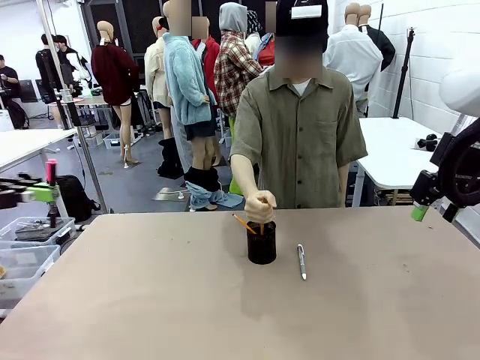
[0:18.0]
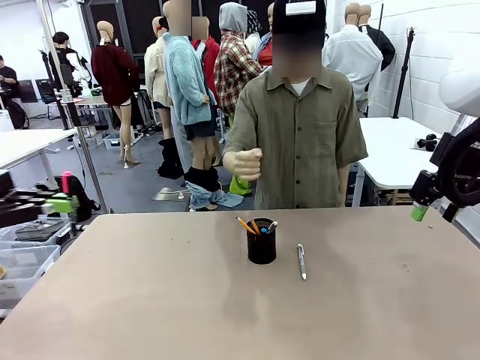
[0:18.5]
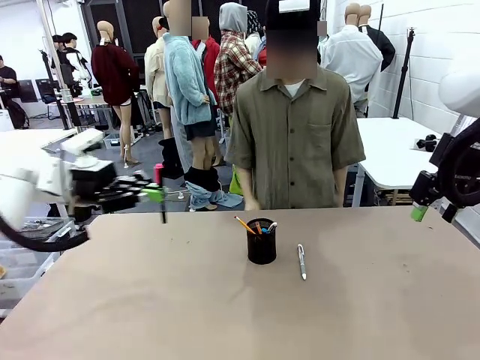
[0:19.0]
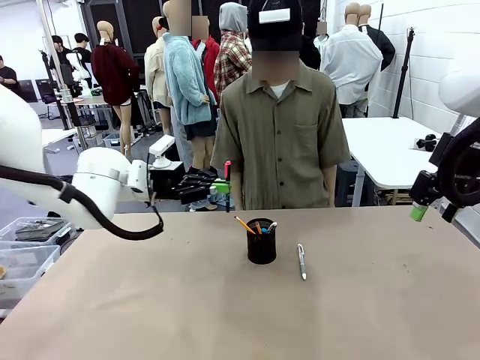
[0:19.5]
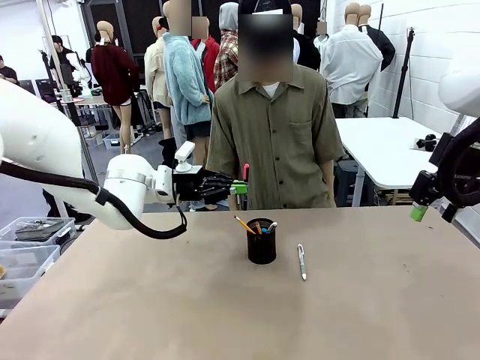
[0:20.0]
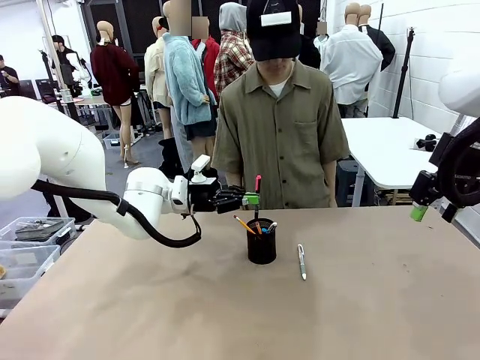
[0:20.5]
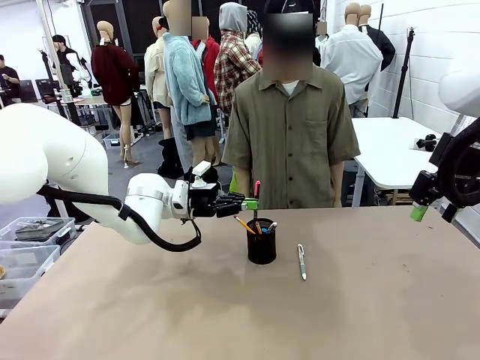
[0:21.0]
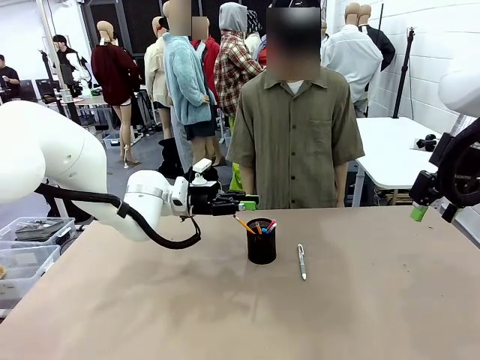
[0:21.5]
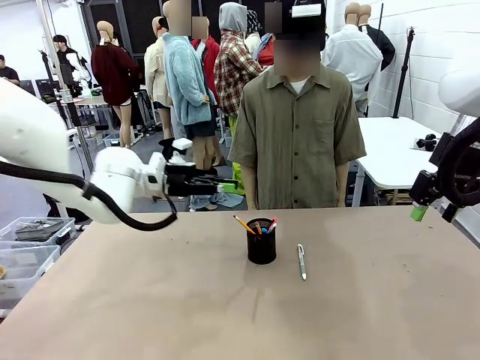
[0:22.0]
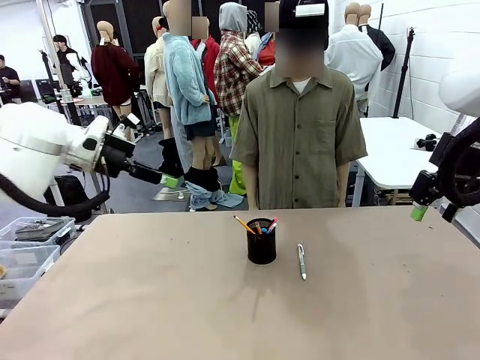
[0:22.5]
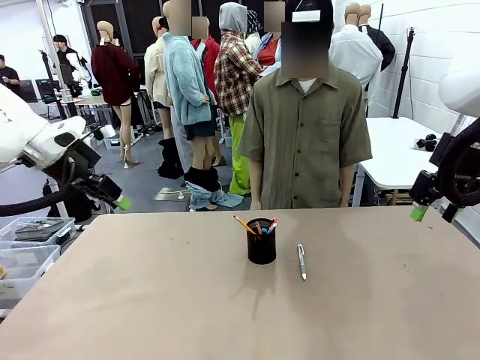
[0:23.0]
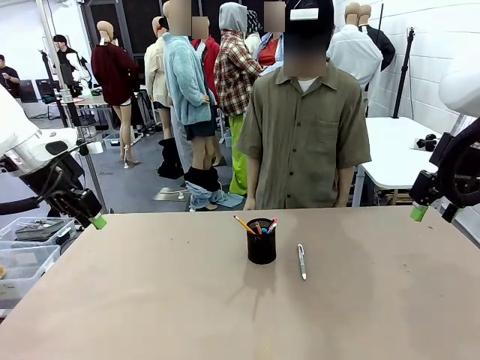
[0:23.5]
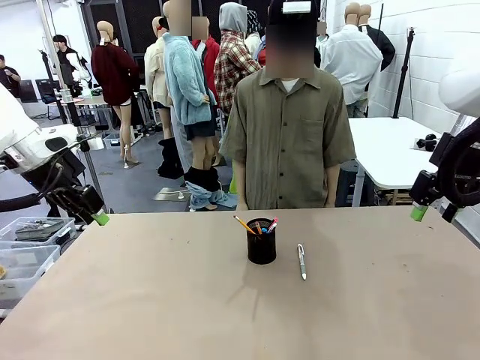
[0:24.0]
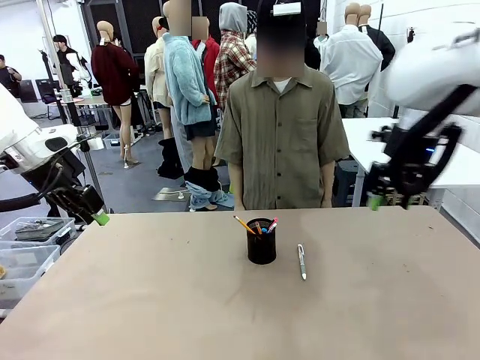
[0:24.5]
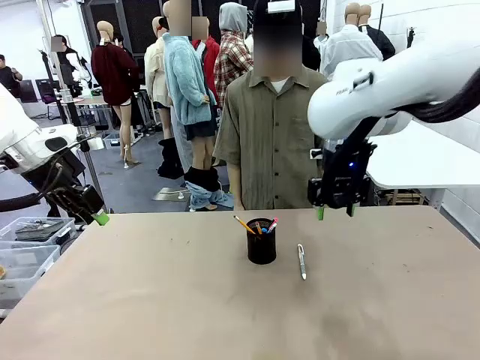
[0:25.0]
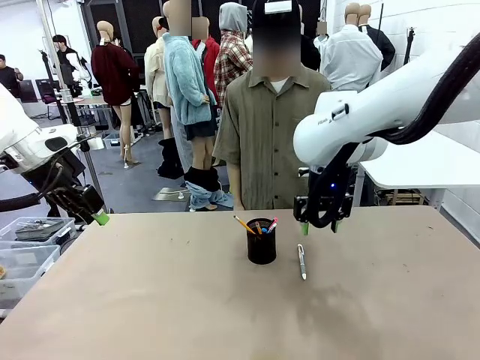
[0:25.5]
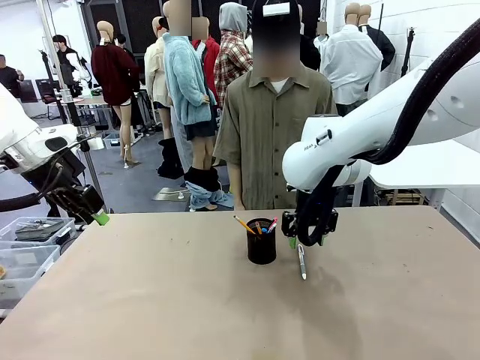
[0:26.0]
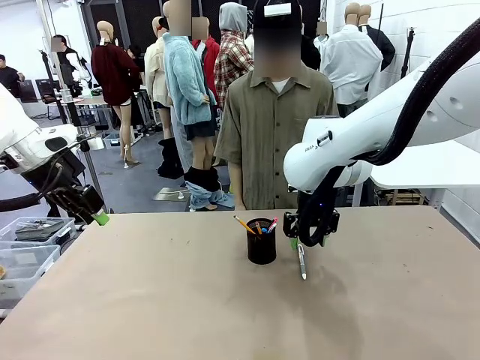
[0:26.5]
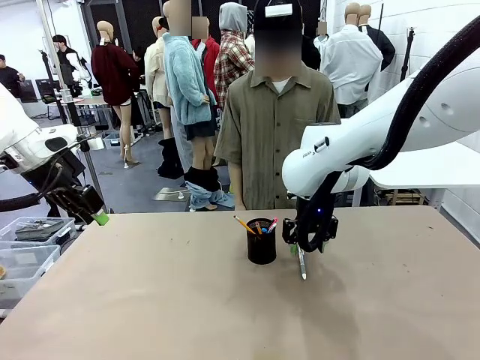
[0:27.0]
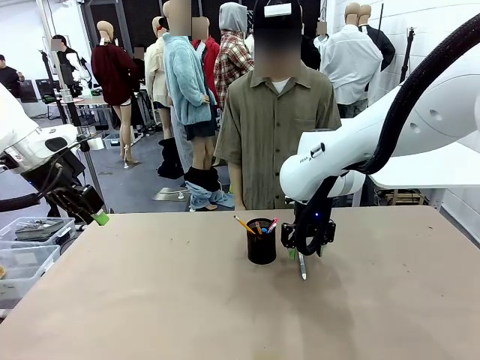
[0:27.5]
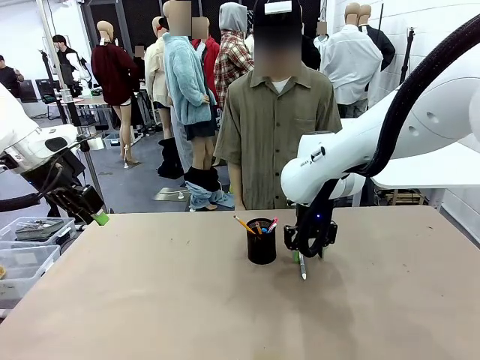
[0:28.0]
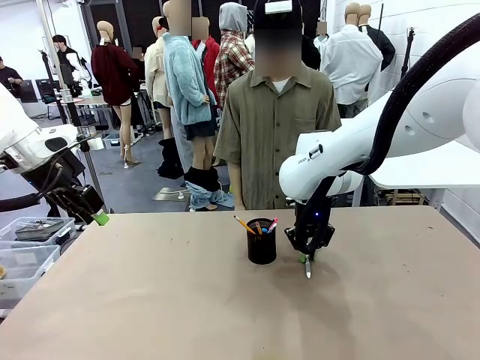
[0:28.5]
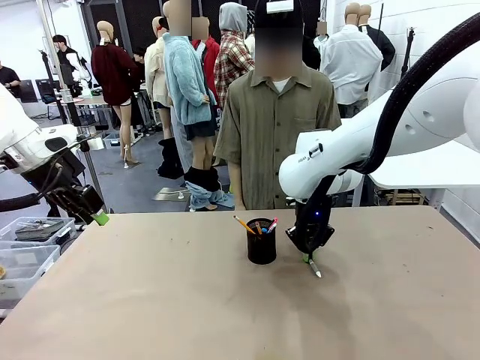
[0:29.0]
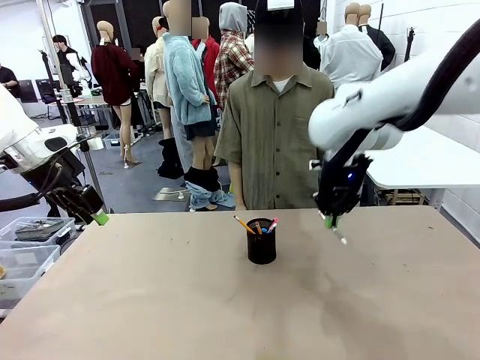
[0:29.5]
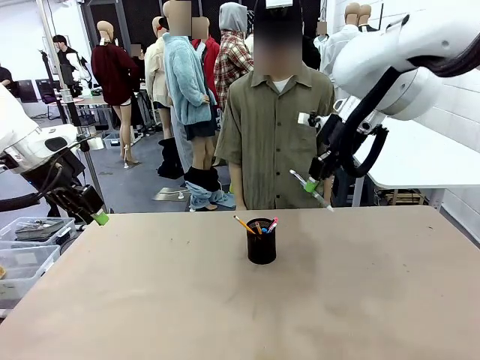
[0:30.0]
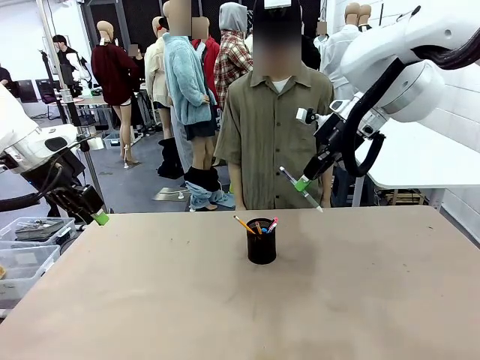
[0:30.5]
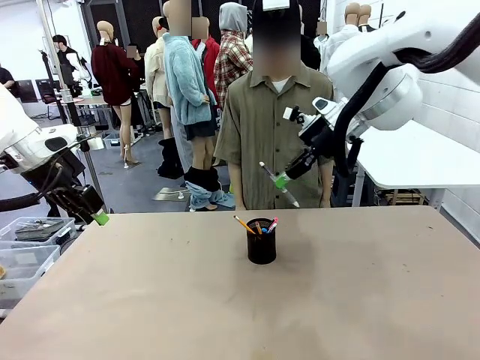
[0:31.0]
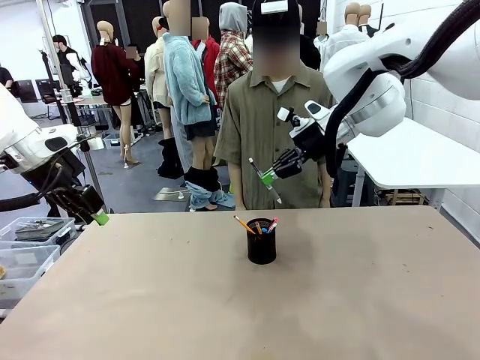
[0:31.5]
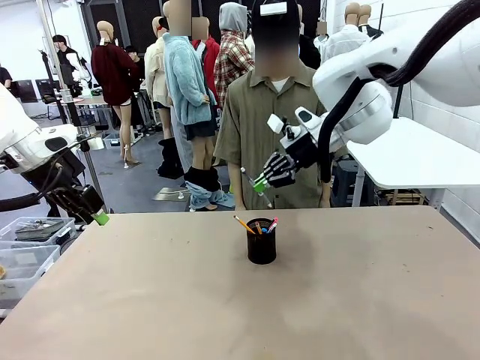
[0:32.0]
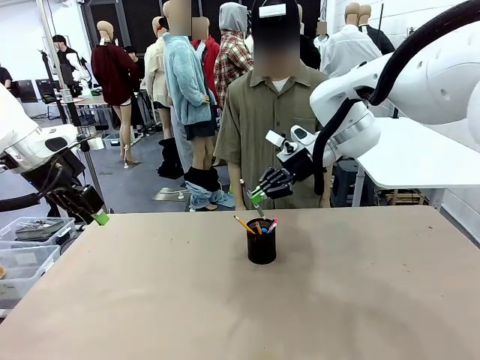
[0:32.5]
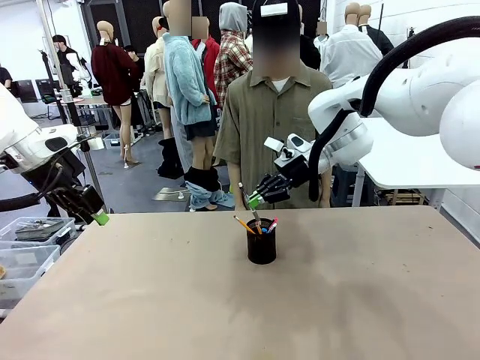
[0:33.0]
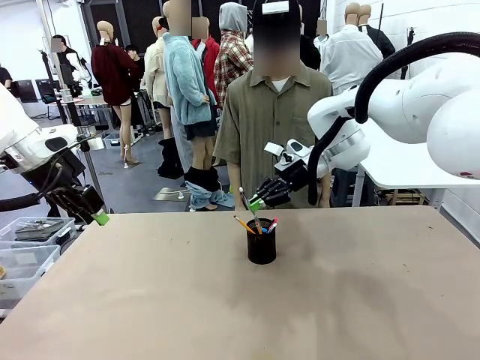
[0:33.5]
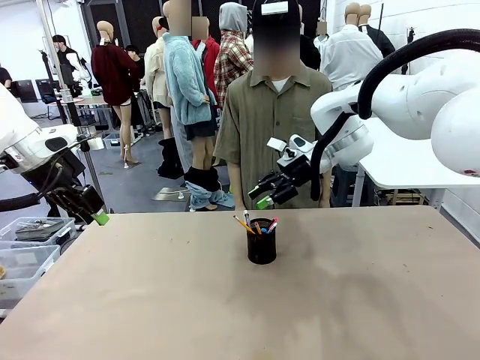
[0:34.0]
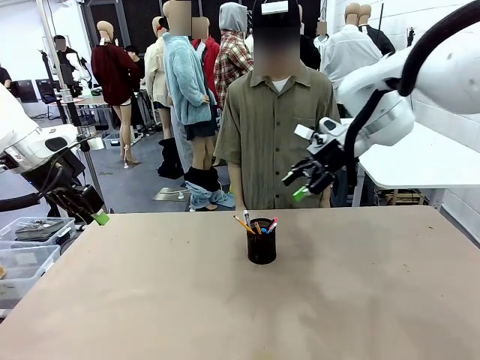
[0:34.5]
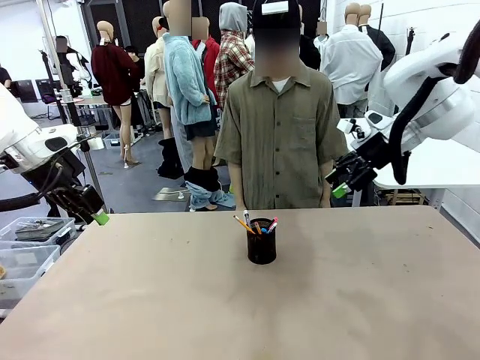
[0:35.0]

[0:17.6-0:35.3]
Task: Place the pens into the pen holder.
Robot: Pick up a writing instrument from the table and place it into the Pen holder.
Person: Place all writing instrument into the Pen holder.

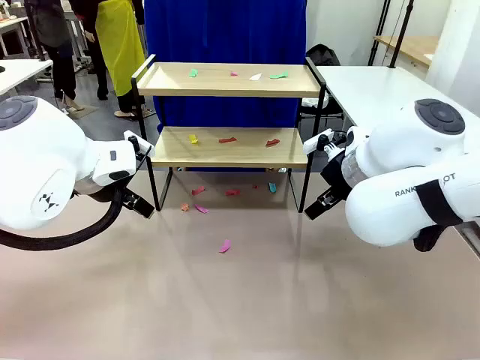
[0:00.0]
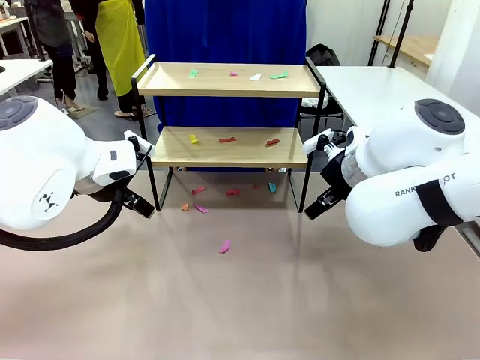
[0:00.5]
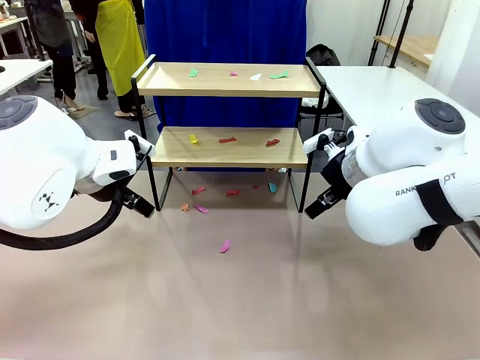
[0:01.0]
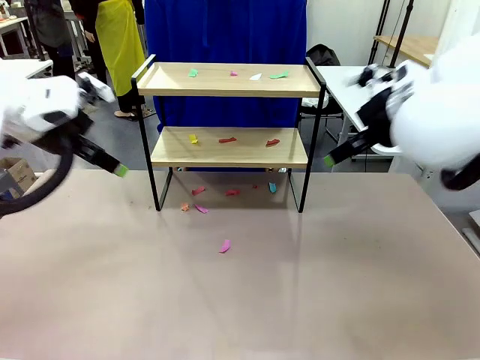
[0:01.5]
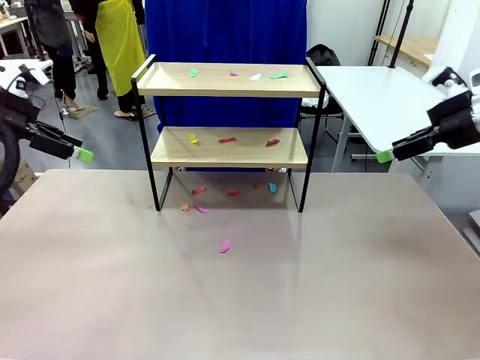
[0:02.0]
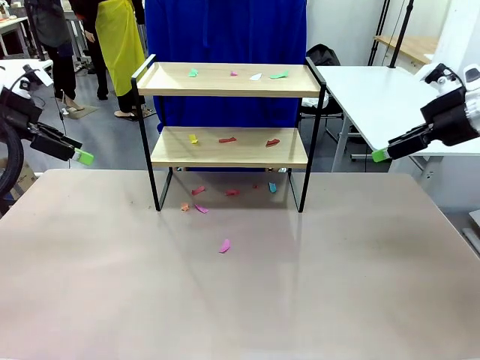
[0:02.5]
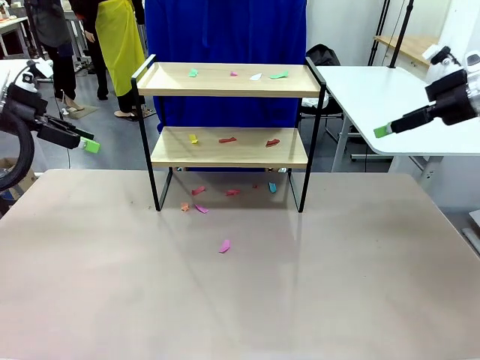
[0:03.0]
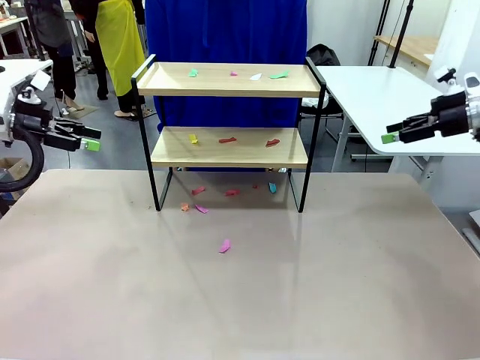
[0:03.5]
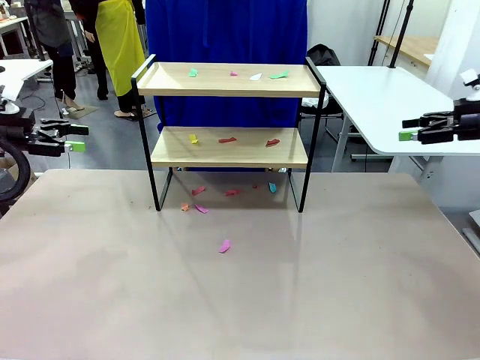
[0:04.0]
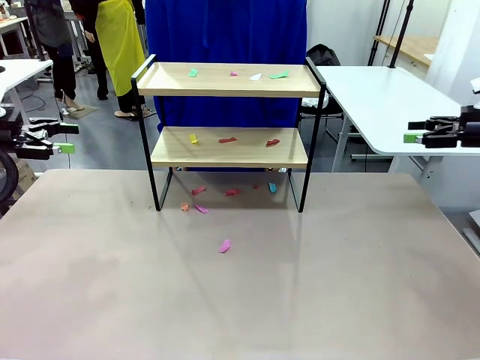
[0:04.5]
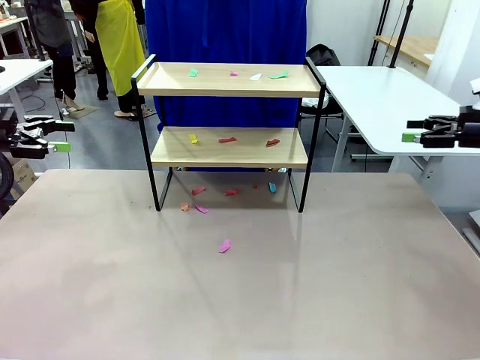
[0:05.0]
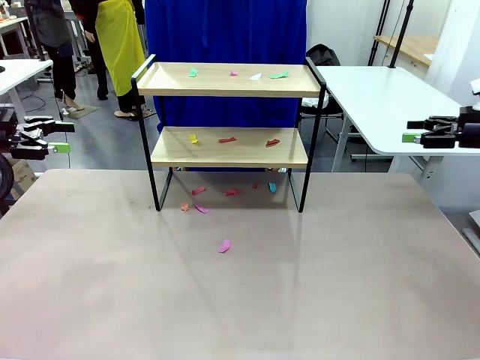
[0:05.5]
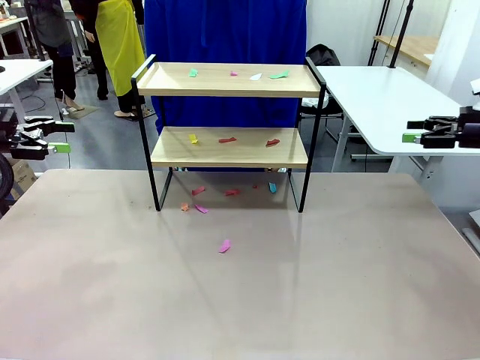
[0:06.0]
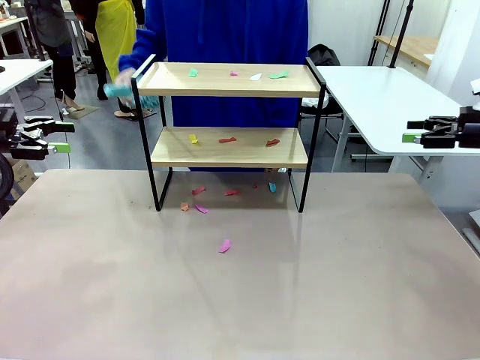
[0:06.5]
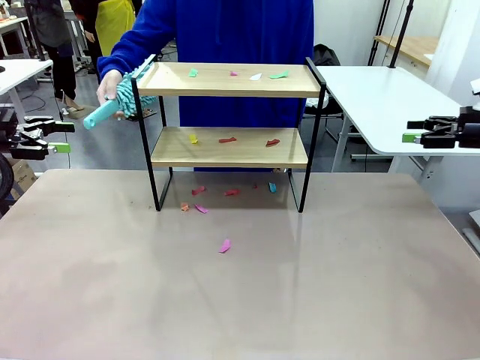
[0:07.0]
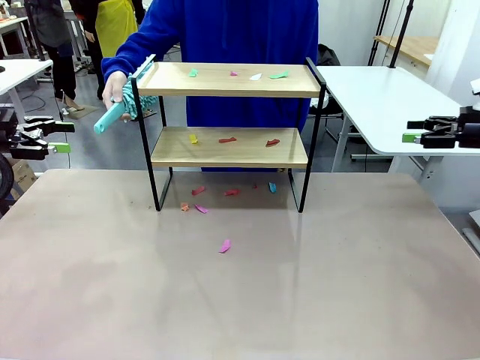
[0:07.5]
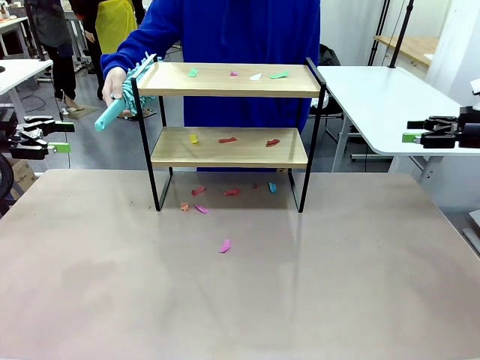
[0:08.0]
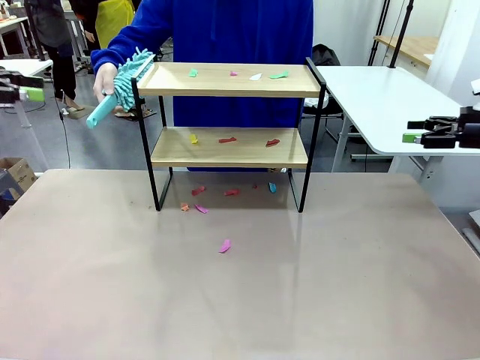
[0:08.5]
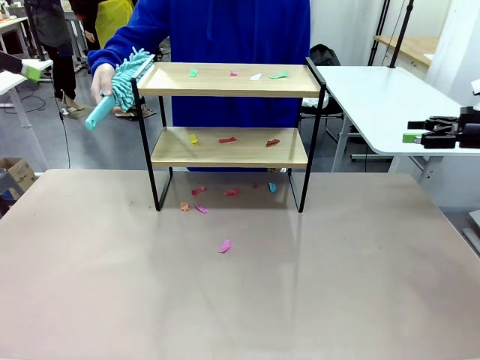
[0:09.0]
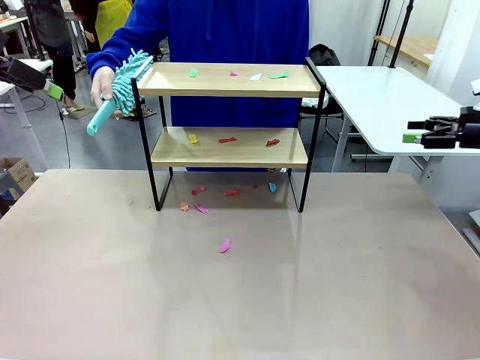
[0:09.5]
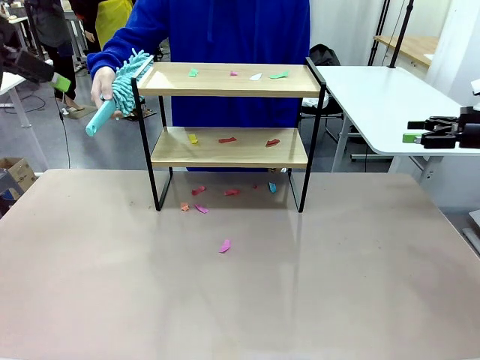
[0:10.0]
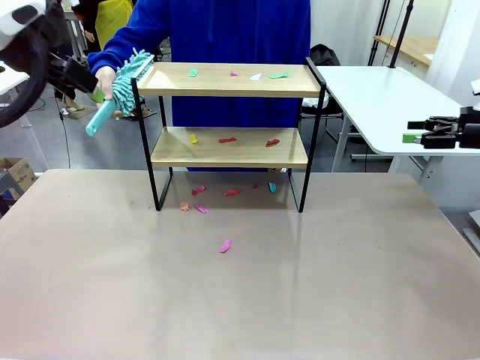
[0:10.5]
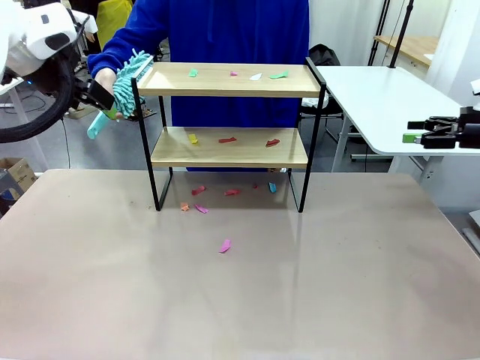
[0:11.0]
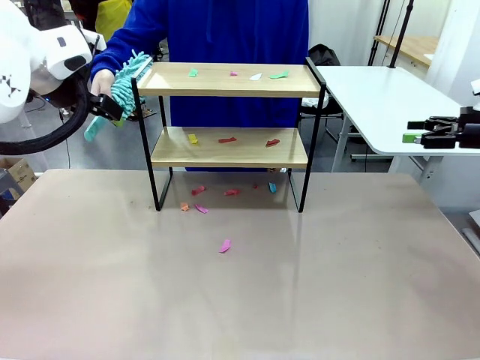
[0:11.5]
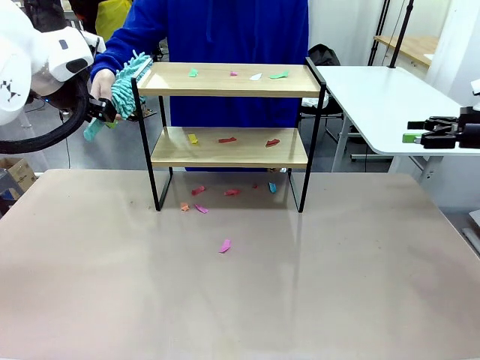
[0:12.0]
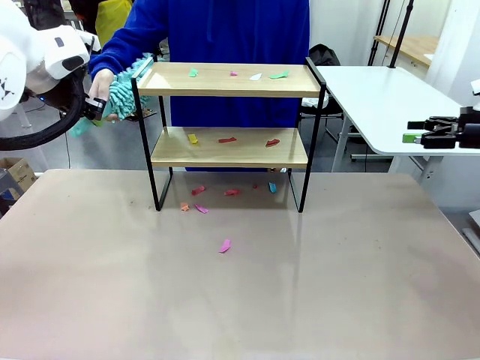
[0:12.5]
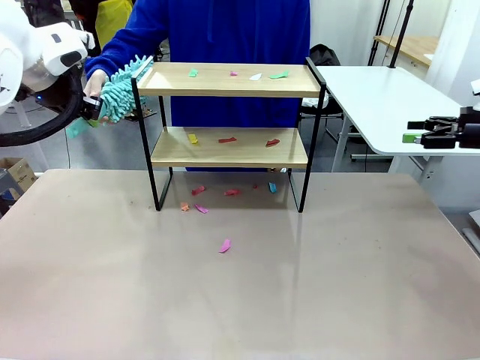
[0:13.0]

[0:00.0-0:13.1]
Task: Clean the shelf.
Robot: Pick up the Duster handed by the human.
Person: Hand the Duster to the robot.
